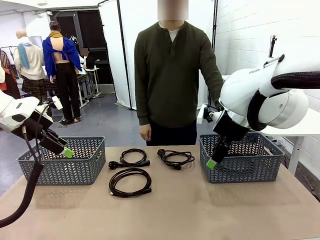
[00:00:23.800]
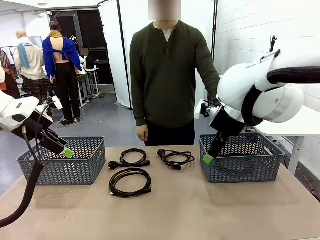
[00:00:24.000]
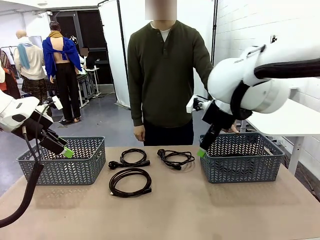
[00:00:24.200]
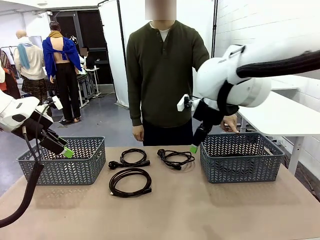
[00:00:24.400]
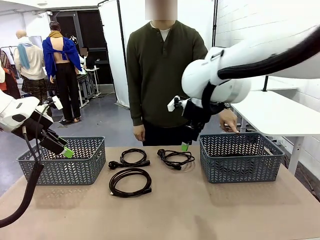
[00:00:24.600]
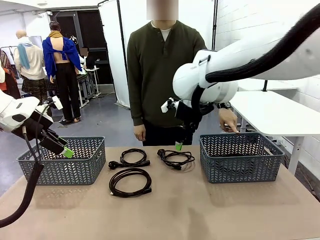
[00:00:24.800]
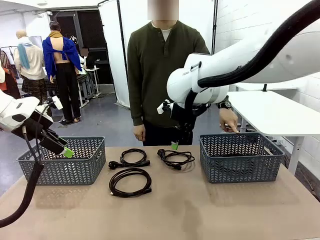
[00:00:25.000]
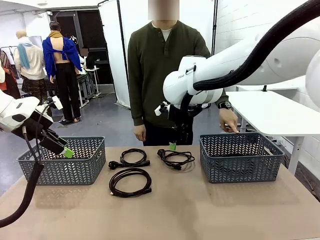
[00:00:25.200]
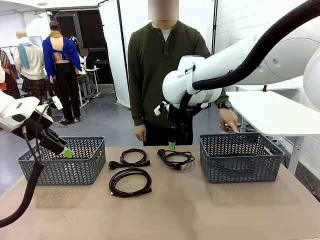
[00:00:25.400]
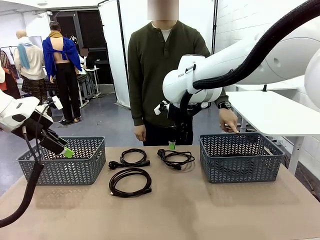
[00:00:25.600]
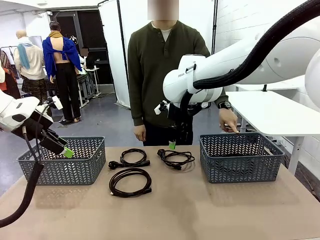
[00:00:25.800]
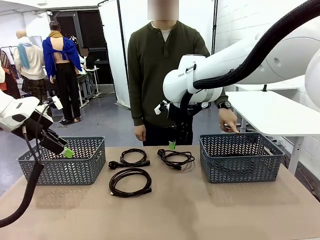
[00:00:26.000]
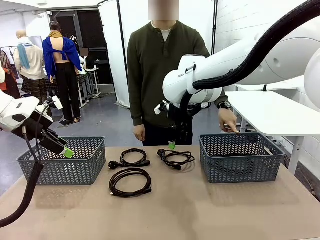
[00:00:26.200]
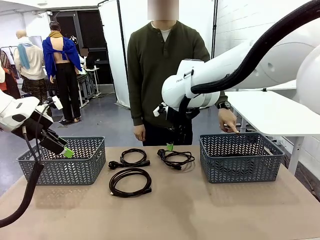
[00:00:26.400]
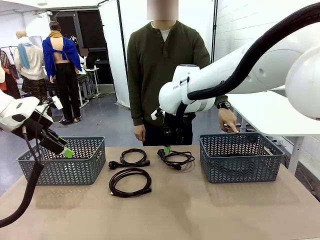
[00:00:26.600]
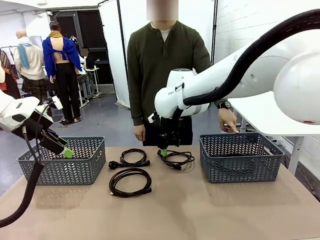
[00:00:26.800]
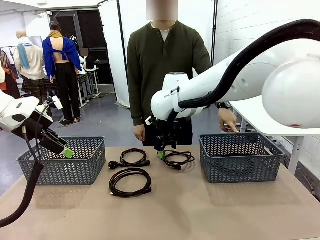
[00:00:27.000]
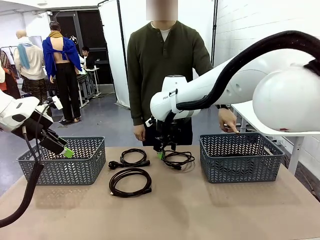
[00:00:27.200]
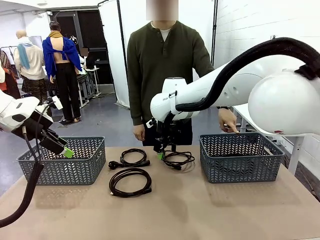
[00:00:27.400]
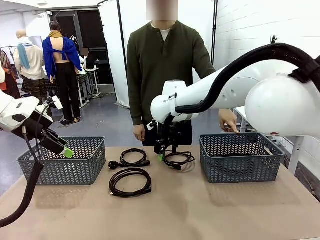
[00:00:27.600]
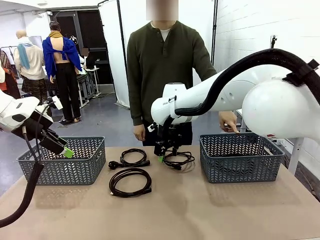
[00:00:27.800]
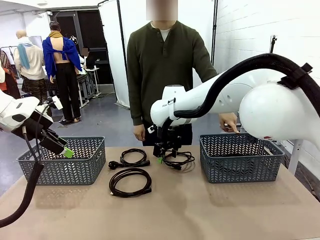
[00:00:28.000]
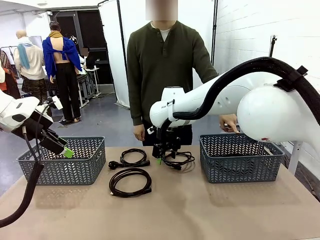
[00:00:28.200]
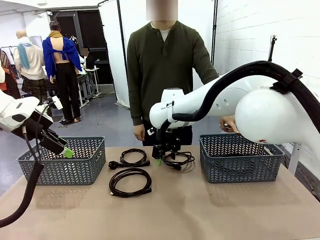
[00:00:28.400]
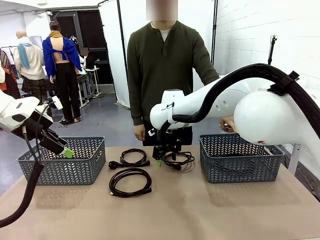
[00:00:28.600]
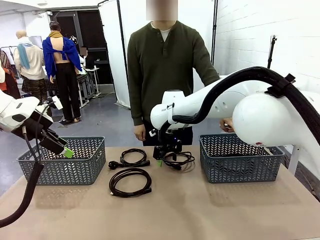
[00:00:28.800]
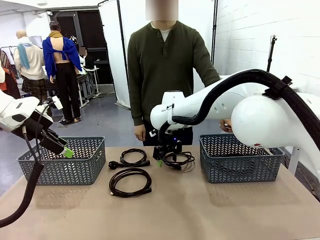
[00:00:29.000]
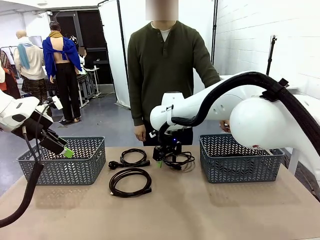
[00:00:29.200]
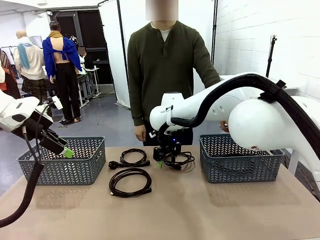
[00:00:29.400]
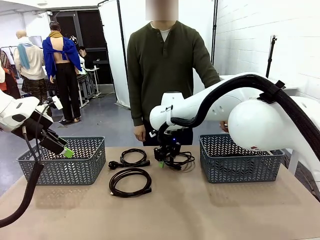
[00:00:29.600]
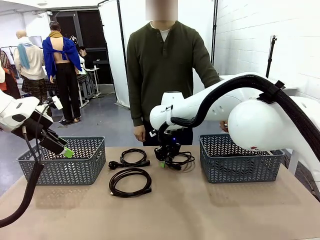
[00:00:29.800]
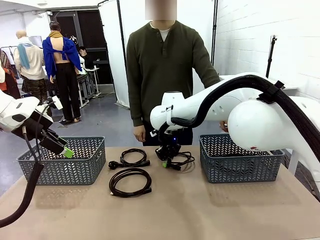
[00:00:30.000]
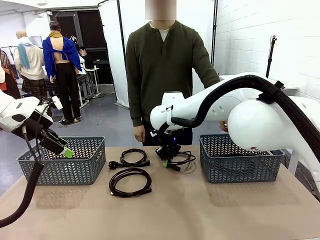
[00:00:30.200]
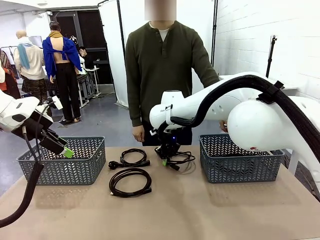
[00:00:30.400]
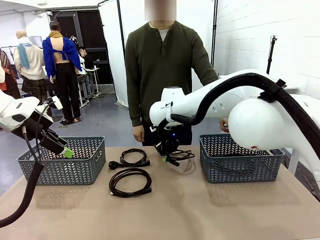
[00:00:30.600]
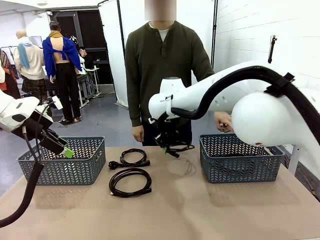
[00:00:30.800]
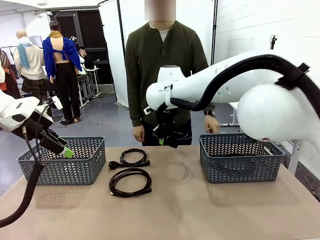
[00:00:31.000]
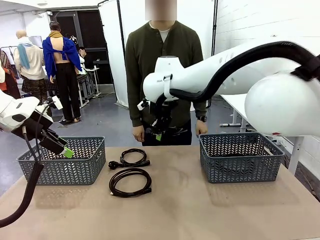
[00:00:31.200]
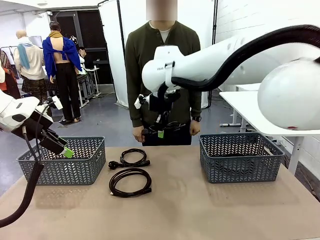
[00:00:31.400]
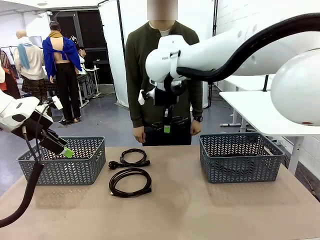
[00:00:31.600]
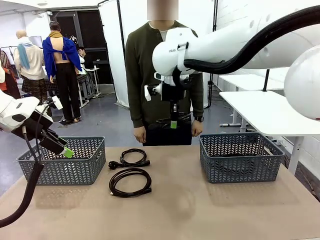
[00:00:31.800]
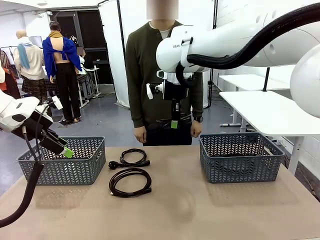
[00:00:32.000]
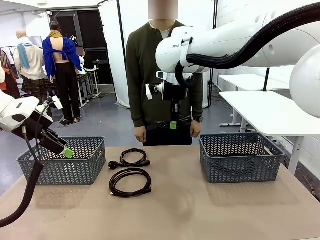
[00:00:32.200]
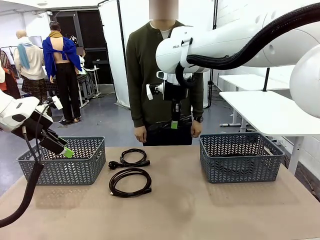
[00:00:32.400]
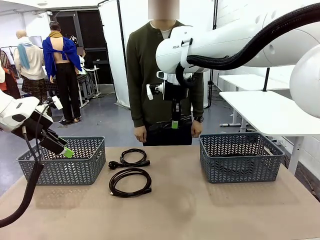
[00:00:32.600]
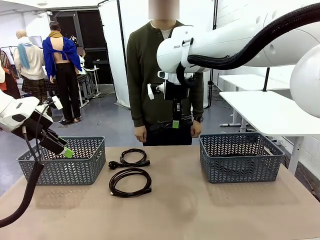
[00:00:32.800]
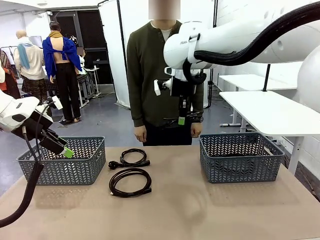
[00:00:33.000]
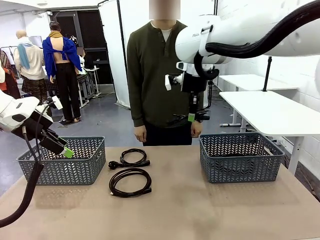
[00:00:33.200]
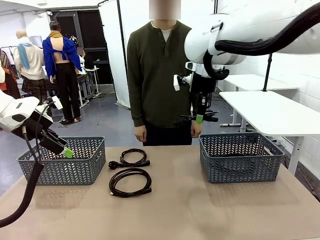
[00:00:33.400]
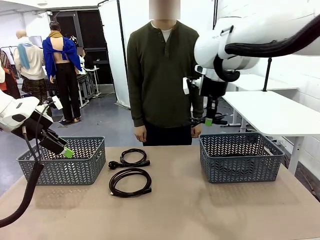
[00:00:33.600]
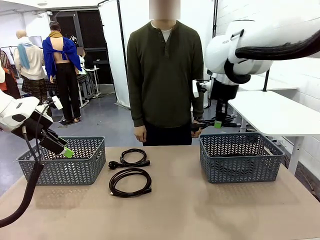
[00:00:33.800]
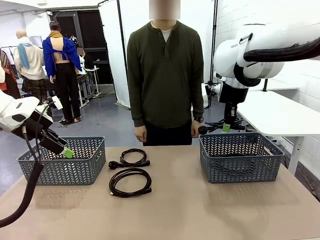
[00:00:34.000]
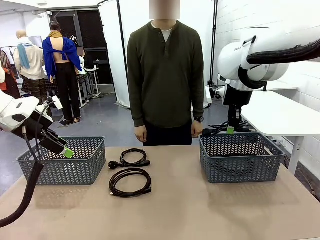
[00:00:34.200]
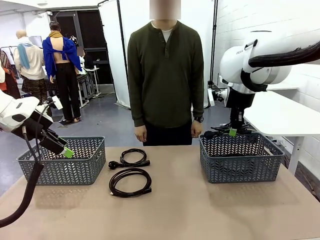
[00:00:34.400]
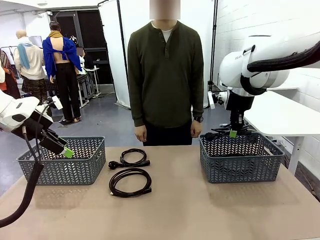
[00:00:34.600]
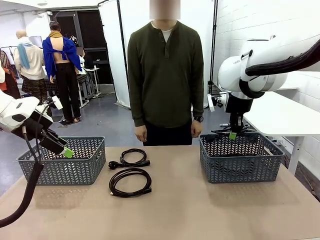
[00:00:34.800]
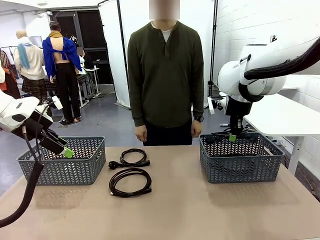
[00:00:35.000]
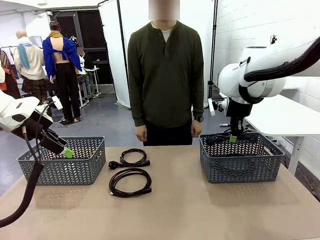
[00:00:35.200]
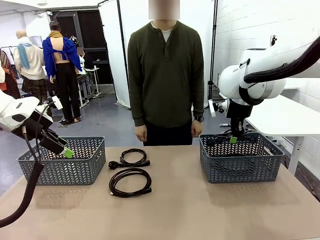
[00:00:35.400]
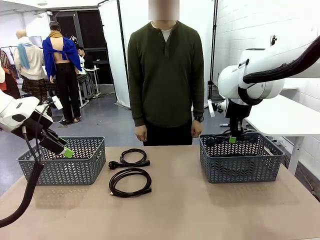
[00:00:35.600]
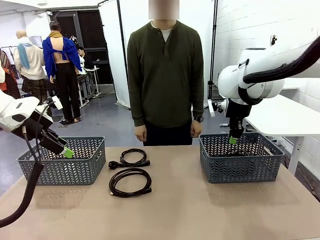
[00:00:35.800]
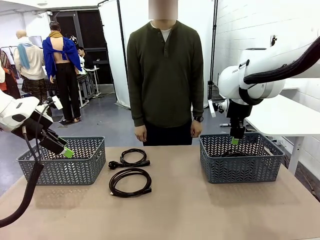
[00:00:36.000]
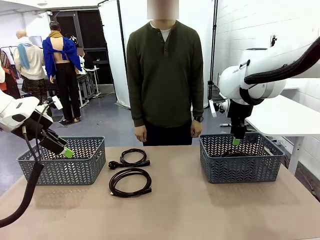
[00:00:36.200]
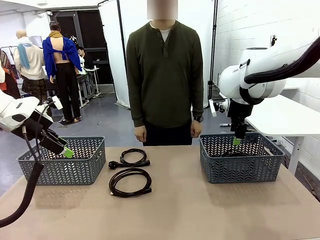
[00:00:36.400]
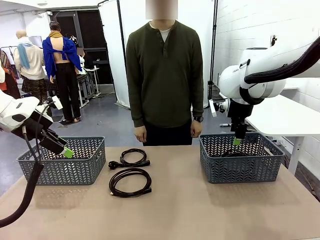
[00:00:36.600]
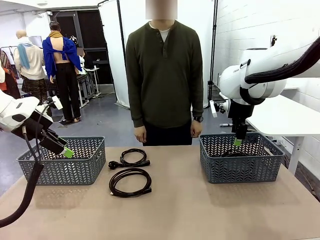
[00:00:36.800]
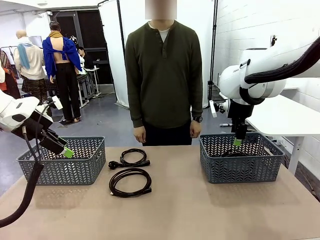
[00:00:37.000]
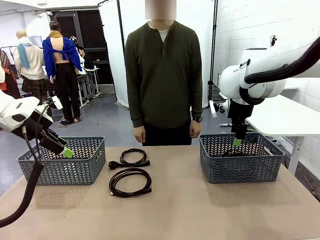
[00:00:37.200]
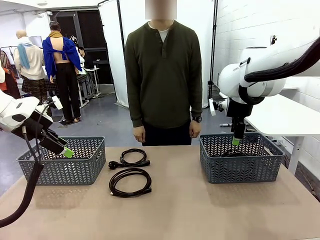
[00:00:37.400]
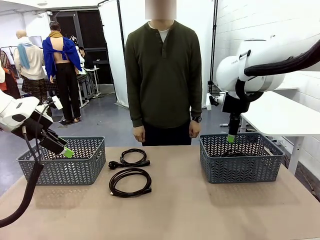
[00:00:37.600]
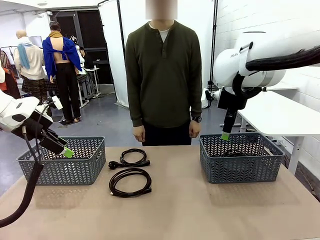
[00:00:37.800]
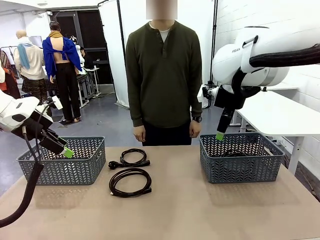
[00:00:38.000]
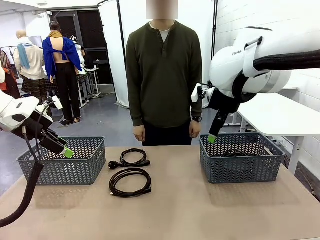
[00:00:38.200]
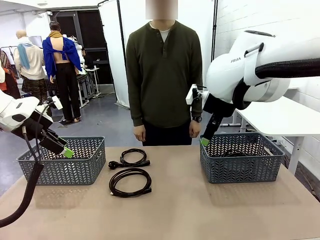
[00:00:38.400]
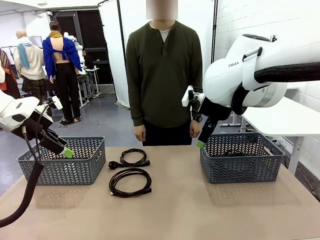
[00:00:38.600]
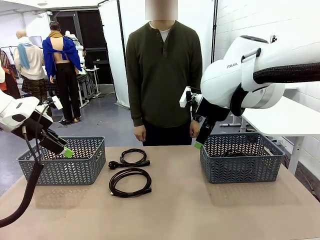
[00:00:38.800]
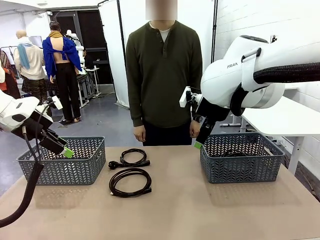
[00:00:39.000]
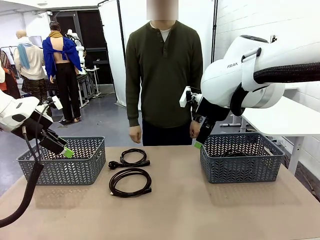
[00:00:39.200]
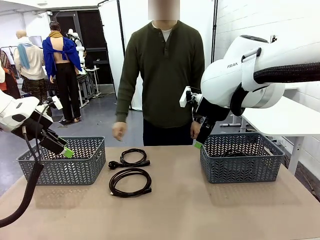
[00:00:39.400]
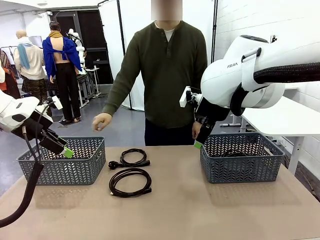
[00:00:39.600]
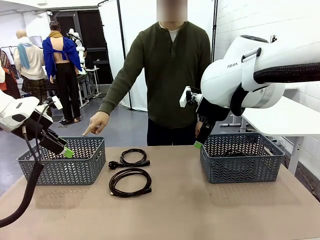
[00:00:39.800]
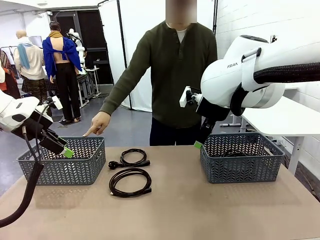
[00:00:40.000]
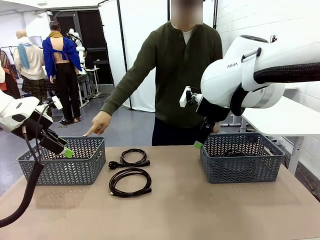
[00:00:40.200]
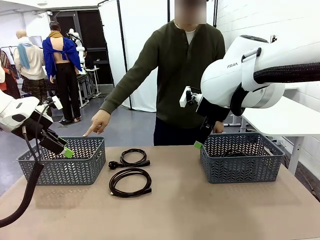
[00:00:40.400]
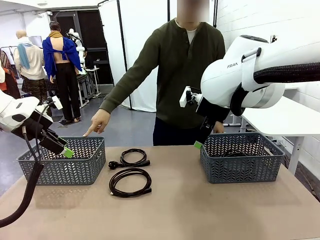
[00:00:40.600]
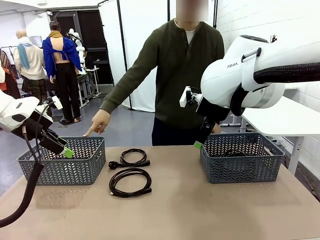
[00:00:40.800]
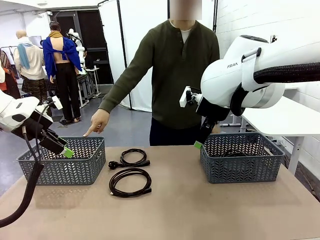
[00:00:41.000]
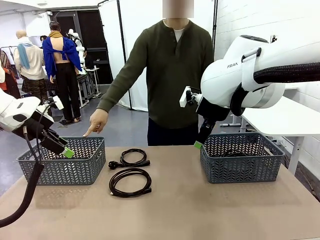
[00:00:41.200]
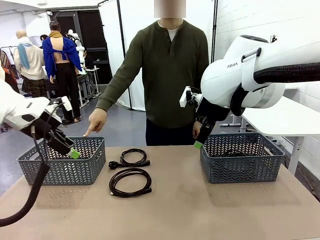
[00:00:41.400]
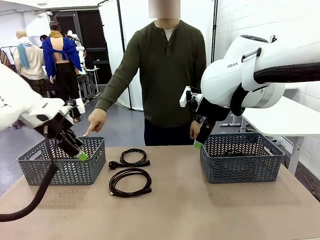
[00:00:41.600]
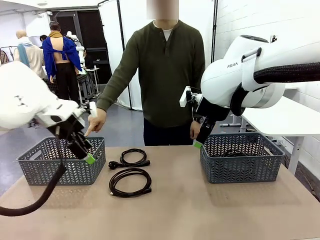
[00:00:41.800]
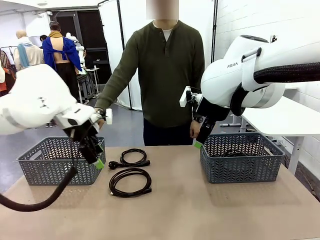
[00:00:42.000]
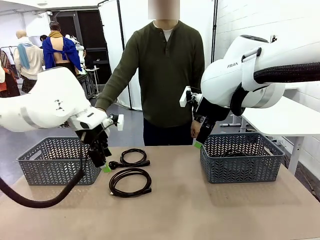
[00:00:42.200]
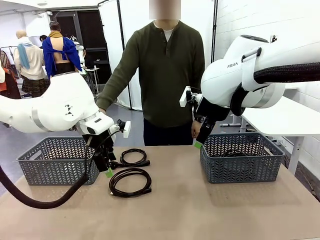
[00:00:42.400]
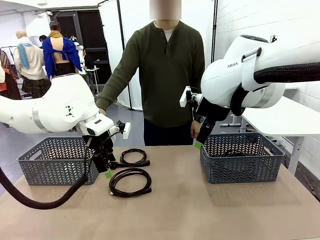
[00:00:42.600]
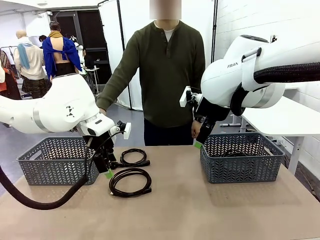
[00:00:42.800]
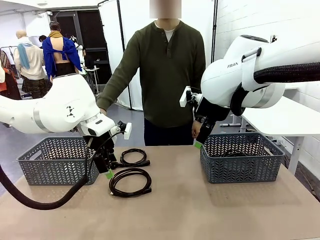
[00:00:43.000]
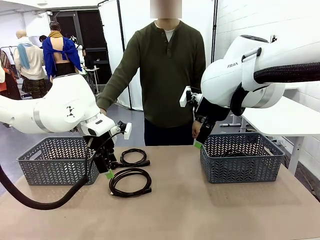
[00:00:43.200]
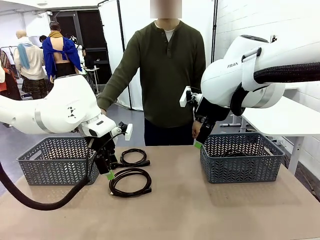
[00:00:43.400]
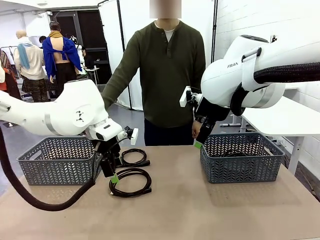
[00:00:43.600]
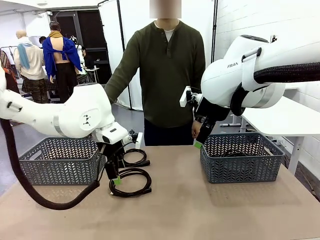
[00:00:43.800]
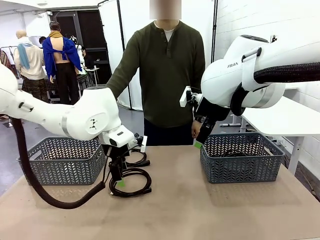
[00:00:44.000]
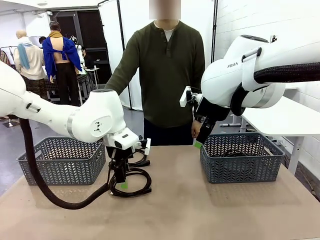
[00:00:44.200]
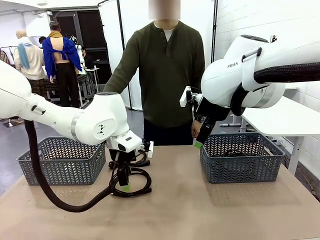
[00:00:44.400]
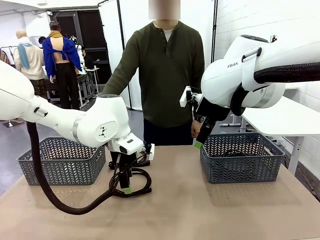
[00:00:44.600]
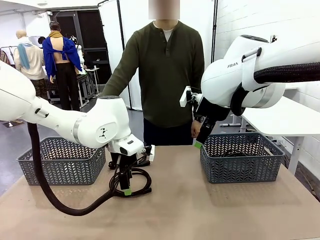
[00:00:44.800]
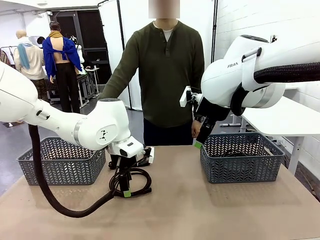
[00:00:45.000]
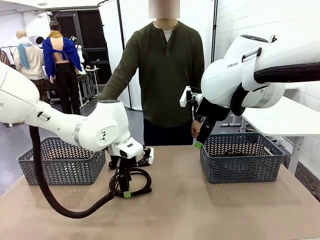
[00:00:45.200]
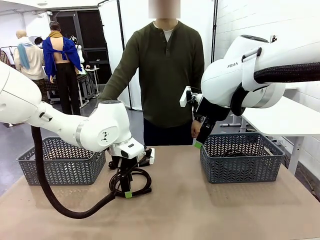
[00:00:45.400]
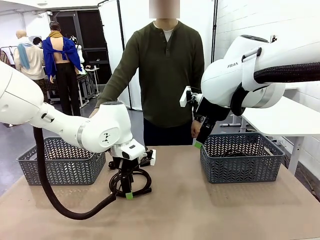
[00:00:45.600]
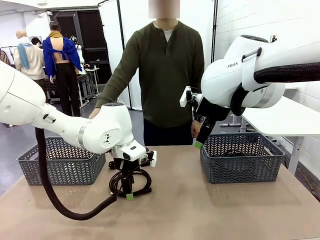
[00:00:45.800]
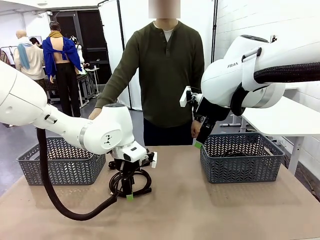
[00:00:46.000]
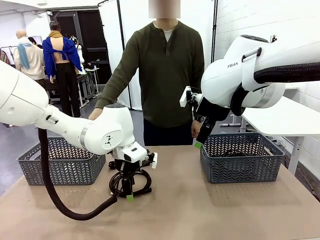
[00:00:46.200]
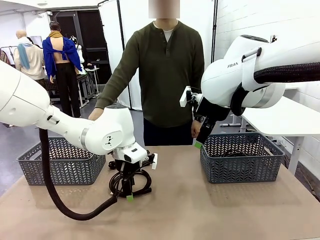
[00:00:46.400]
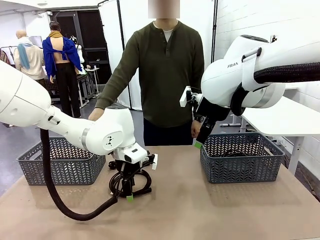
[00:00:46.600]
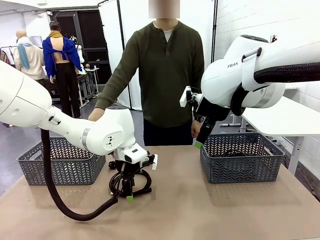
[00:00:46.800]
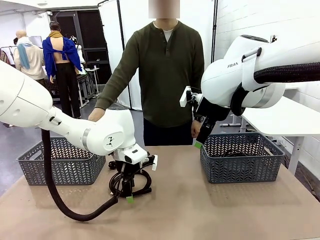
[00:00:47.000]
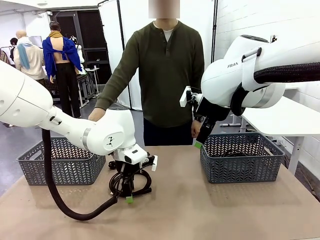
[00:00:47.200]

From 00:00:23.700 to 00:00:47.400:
Task: Organize the cables according to human instructions.
Robot: Pick up a bundle of cables and place it in the basket indicated by the human.
